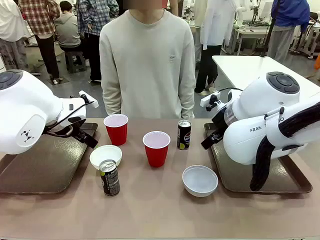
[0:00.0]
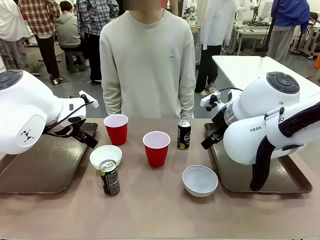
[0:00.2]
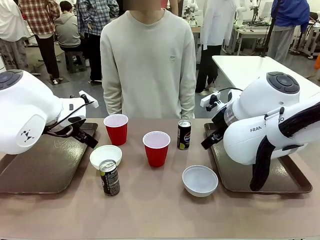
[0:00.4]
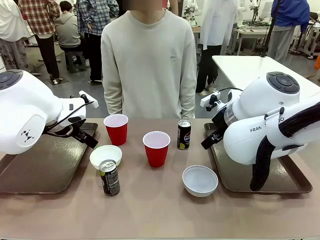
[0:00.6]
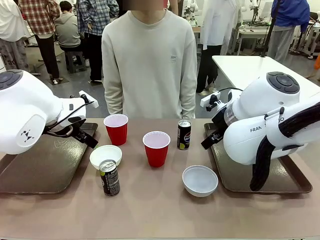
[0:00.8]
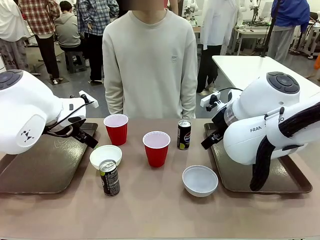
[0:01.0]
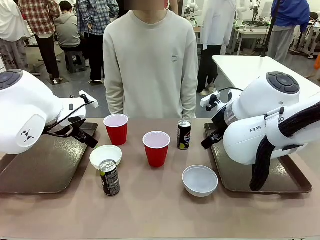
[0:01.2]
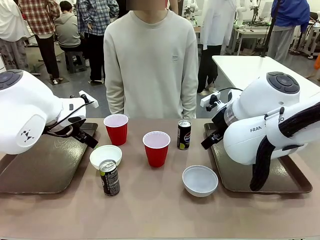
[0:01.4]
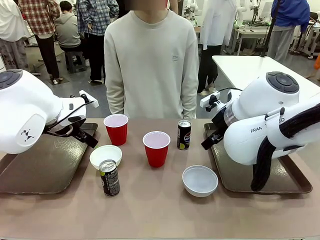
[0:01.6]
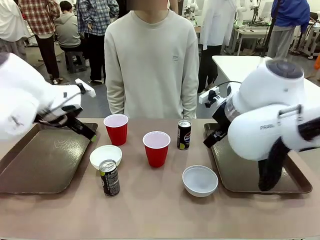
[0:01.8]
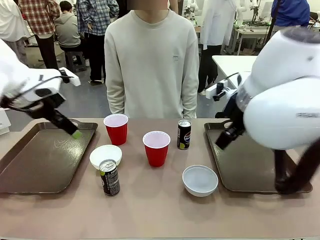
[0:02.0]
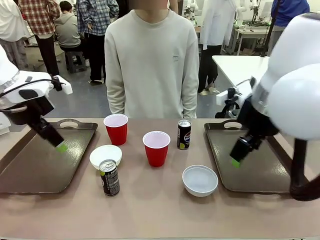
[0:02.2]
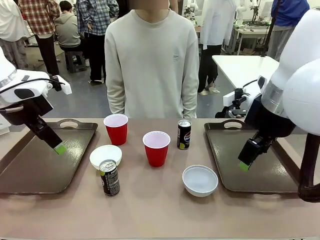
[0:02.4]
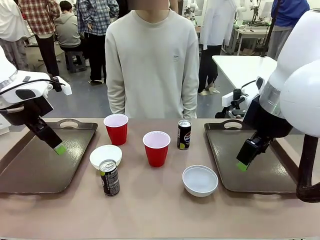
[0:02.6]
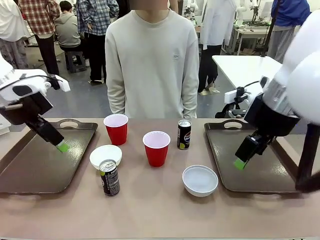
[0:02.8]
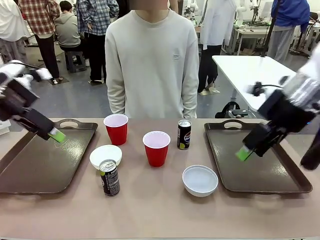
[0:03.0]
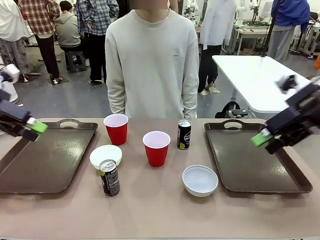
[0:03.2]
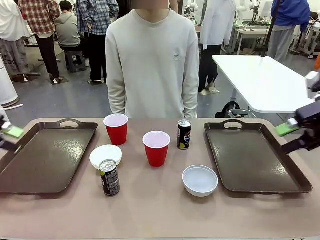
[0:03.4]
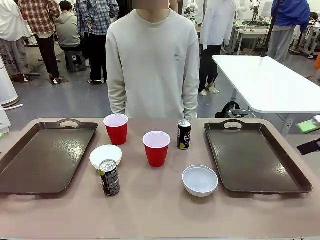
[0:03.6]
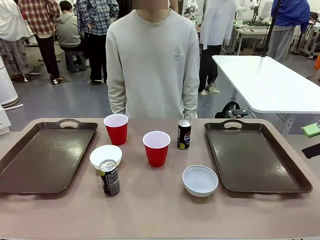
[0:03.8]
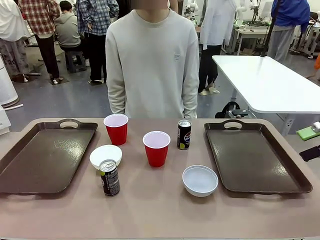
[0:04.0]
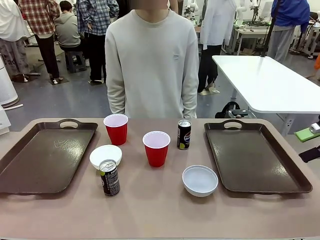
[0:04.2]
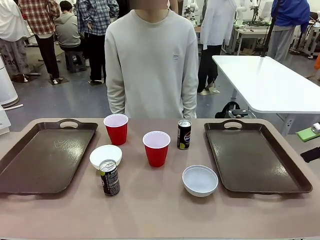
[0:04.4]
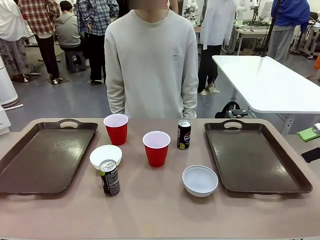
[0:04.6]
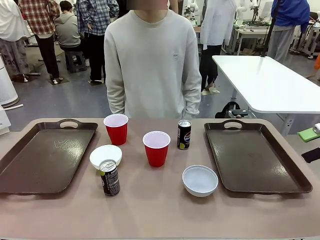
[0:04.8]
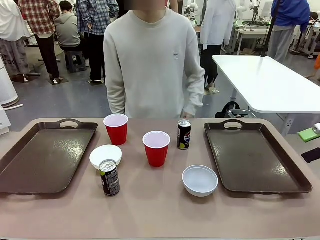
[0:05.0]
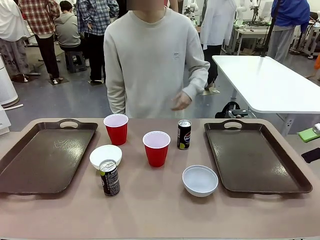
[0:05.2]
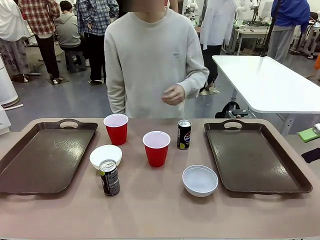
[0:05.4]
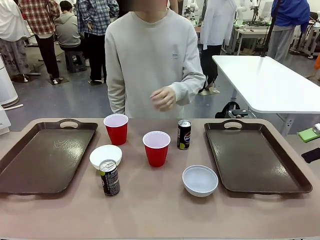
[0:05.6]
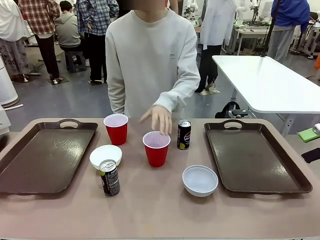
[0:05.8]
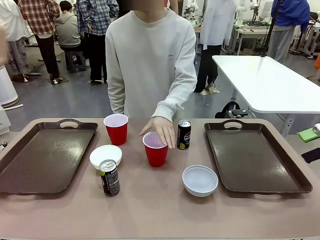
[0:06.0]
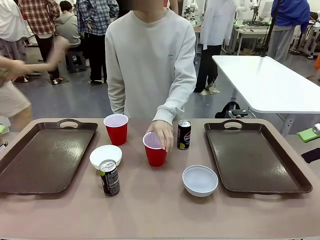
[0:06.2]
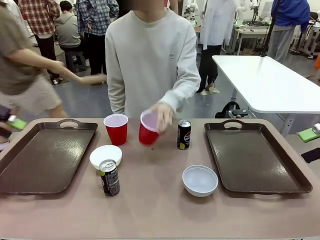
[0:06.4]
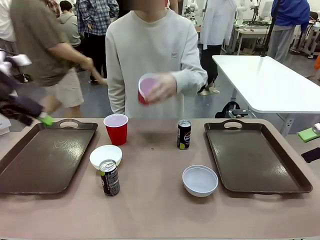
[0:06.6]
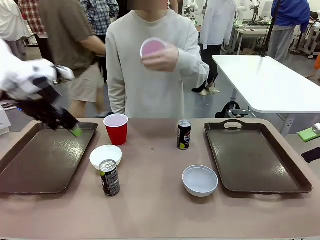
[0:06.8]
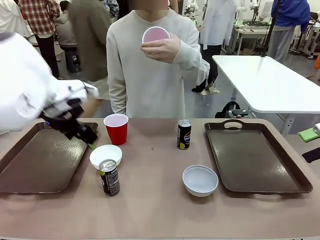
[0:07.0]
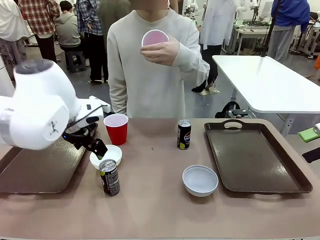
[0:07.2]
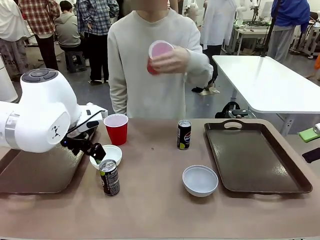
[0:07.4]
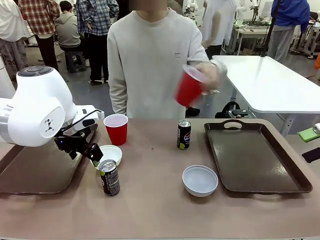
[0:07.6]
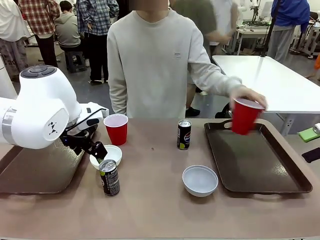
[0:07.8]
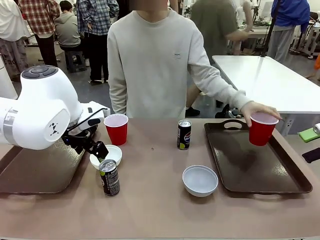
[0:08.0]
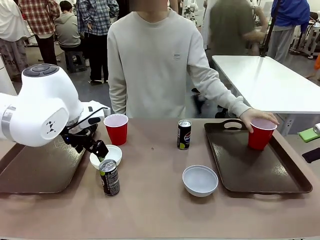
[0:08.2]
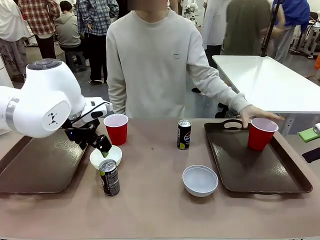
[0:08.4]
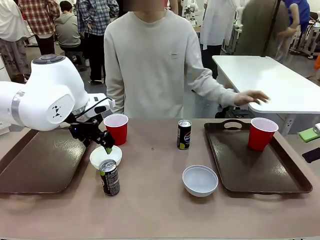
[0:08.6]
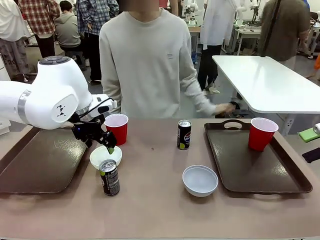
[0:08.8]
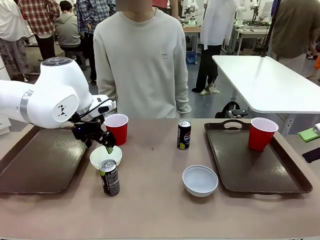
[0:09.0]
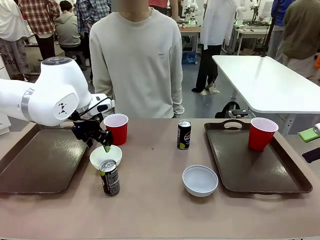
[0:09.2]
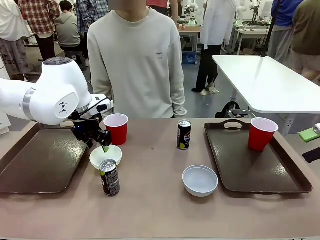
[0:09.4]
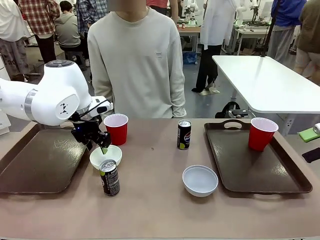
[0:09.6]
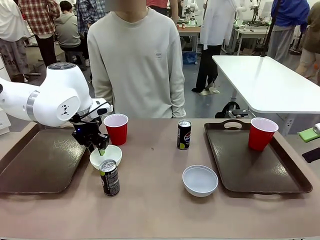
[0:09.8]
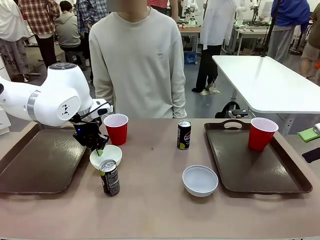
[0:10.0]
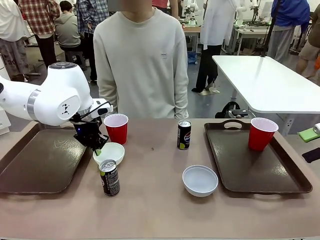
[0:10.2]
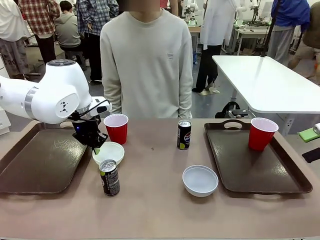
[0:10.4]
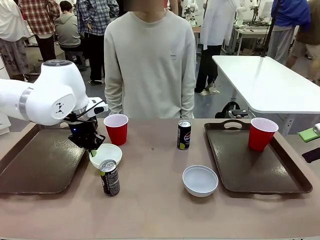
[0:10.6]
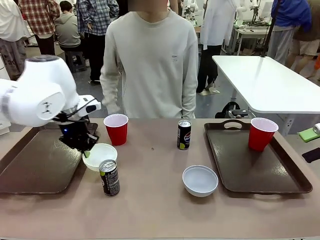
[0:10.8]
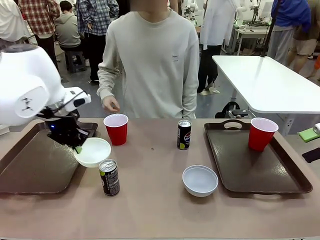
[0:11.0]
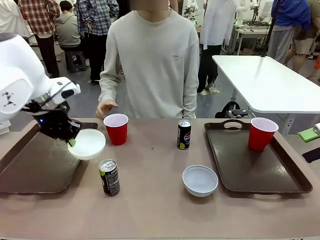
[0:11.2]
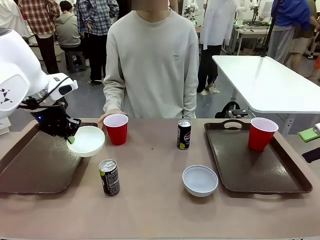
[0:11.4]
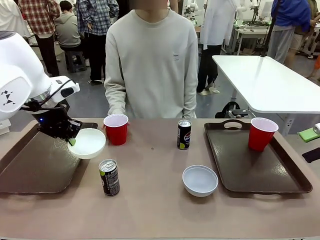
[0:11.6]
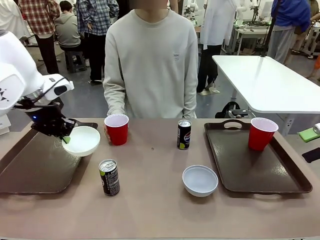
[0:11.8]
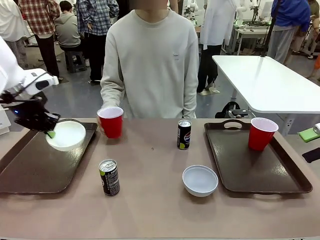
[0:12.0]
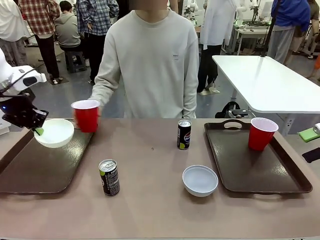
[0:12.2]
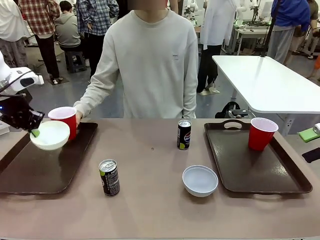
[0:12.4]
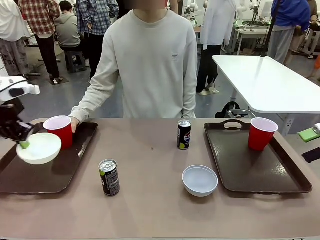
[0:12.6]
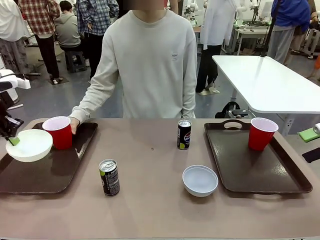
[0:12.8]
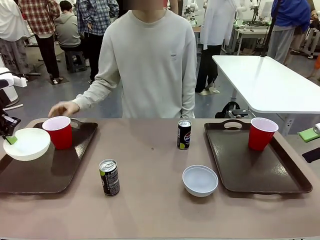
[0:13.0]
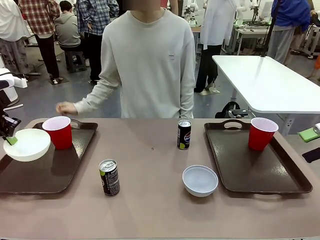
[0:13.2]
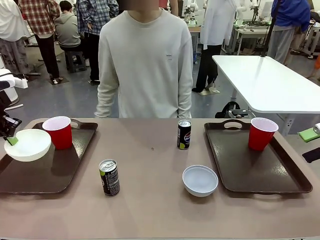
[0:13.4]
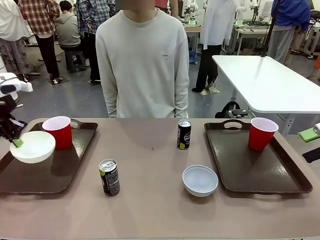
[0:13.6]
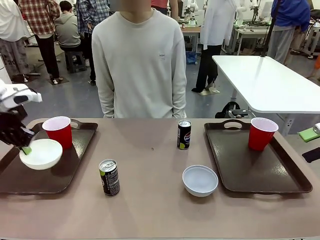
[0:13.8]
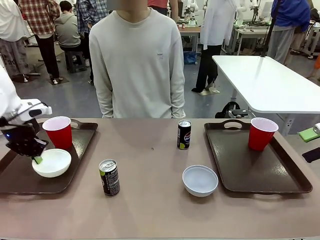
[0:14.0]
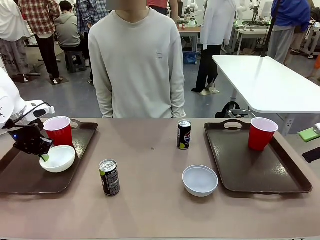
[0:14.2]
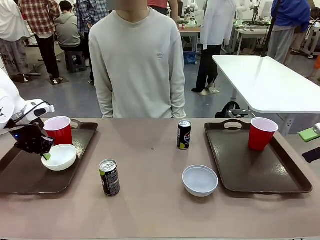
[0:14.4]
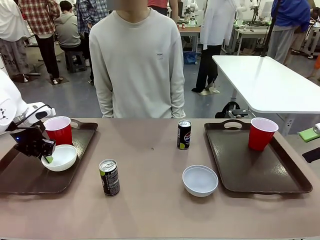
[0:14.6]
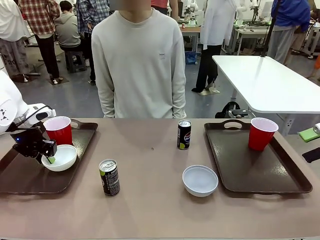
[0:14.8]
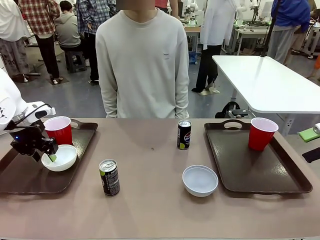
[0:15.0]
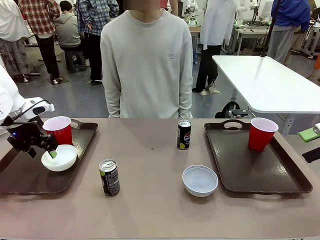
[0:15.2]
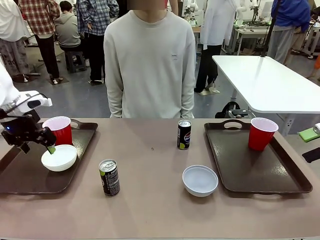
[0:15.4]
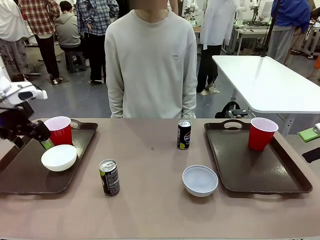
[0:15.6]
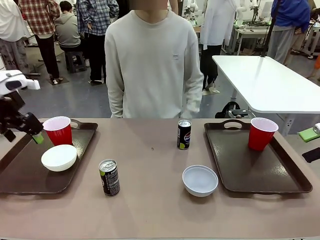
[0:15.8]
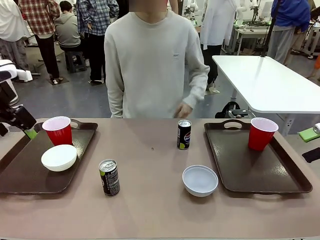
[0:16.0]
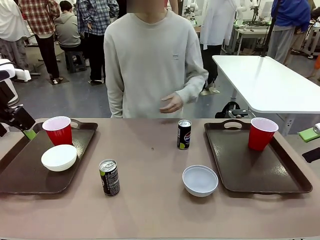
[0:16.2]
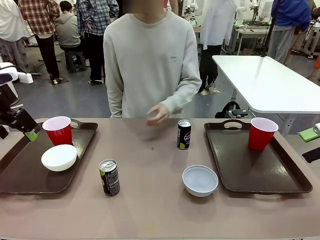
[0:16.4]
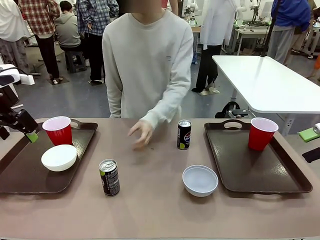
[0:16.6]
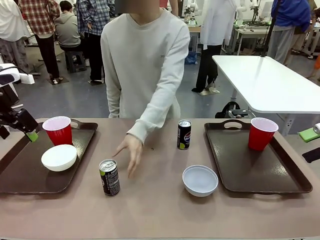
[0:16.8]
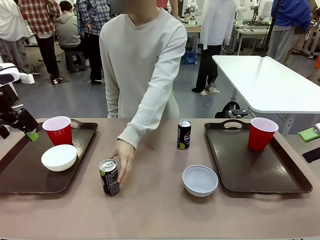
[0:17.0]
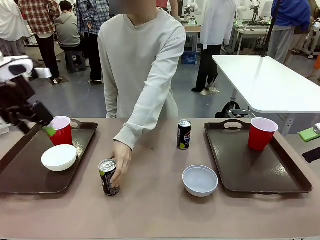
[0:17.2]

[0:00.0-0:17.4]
Task: Prepare tableware on both trays.
Robot: Pick up a Picnic Bowl from the table and place it on a Handle tray.
Person: Pick up a can or cup and place it on the tray.
